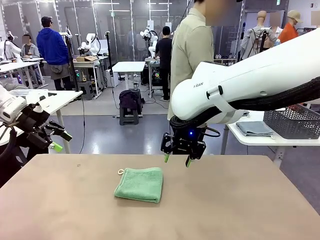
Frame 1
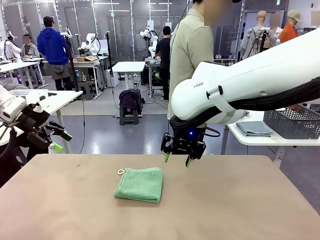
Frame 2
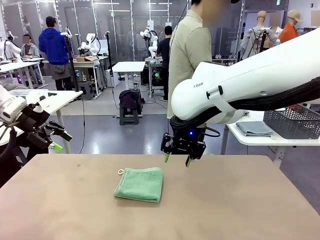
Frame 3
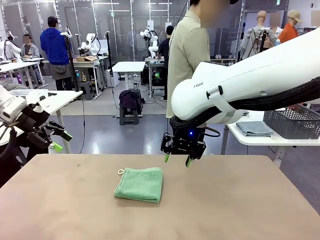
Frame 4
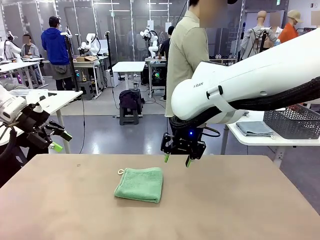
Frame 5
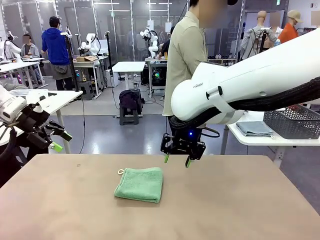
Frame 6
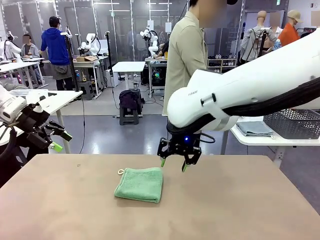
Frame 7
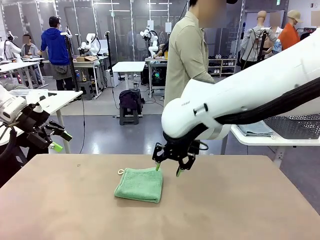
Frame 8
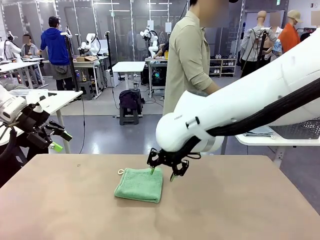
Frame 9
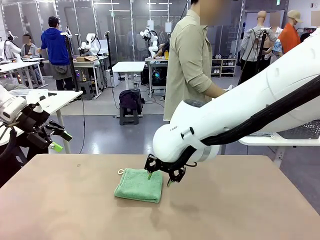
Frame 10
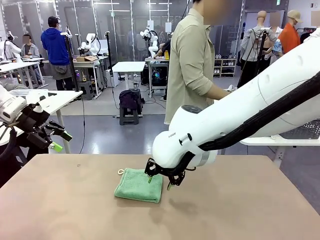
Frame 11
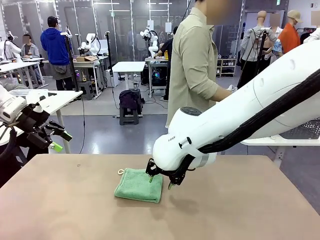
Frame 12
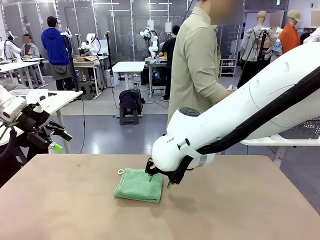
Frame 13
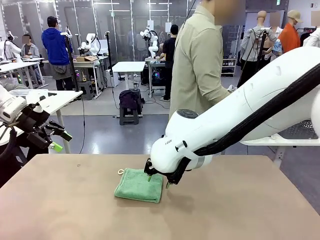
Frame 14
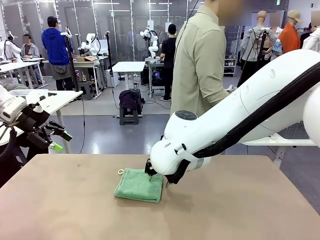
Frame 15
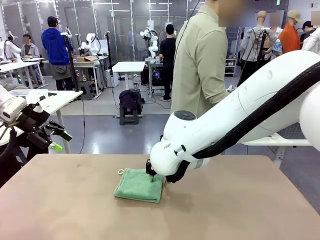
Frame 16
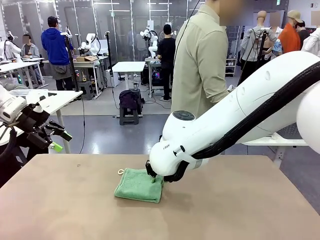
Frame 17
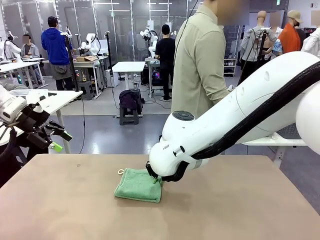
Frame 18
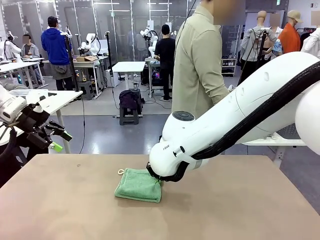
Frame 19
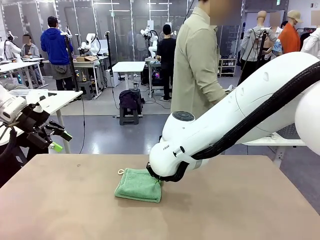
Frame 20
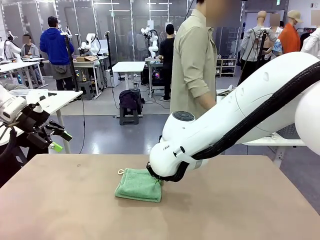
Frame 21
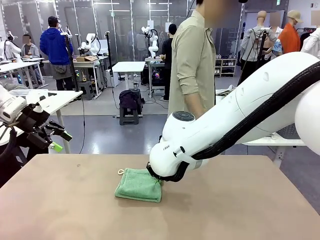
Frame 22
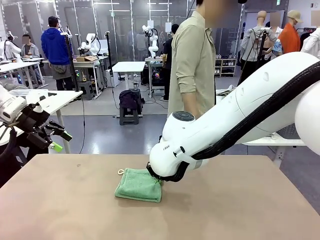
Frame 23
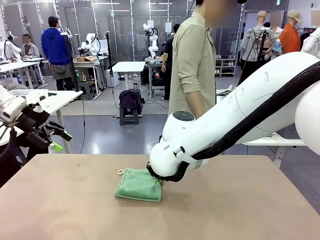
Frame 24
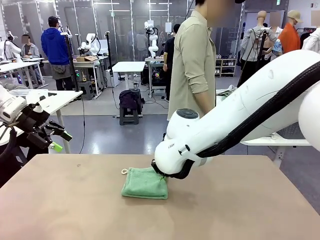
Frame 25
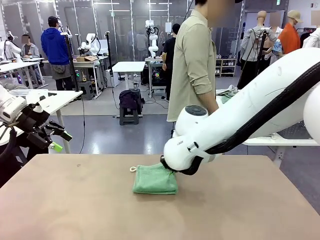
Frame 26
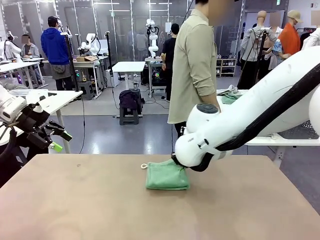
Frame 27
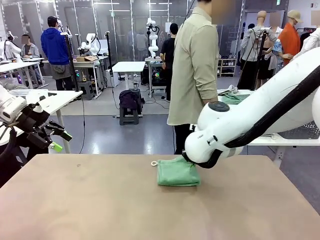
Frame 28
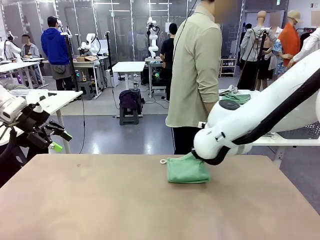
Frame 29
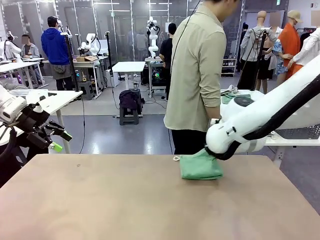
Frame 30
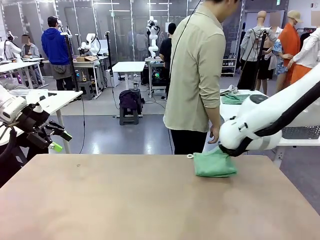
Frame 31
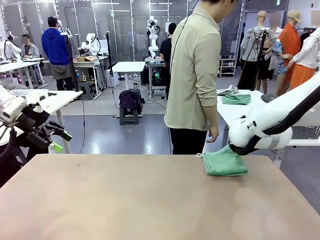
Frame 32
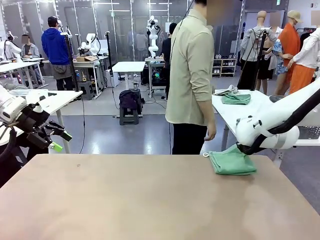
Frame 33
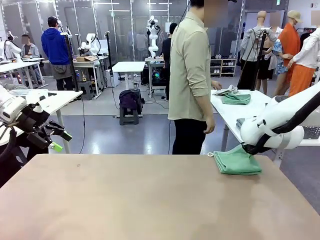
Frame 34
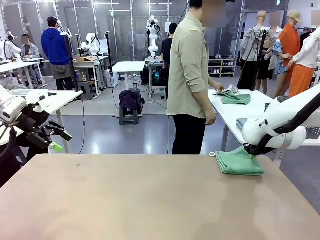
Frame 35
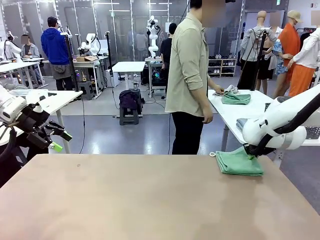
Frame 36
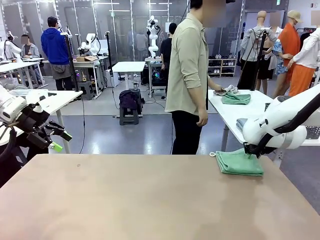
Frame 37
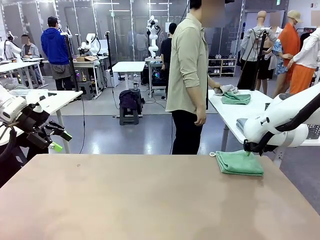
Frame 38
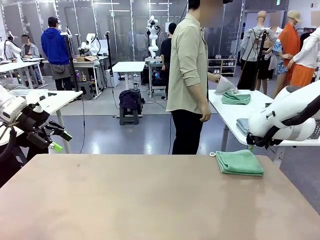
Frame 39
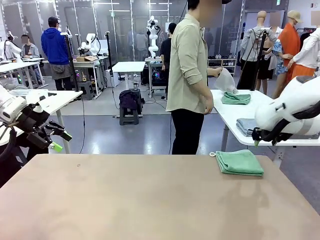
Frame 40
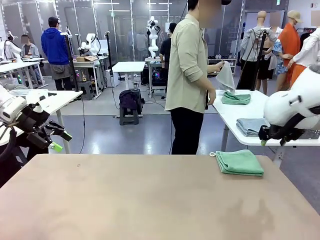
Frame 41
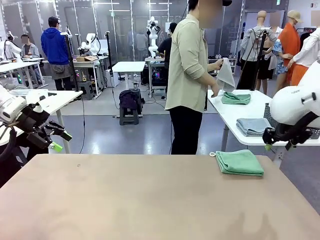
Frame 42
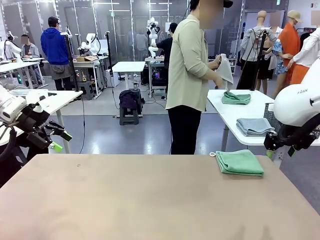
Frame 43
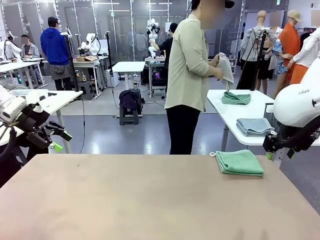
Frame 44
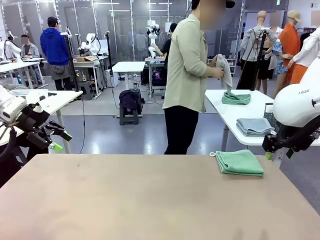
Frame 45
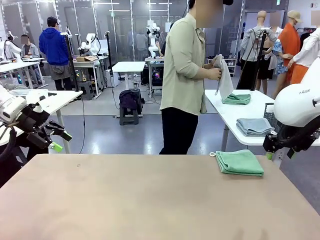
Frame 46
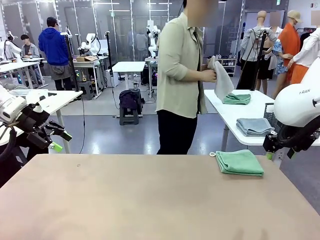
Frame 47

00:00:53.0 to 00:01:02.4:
Task: Fold the towels and place them in the basket.
Robot: Place the folded Towel with hook on the right side of the table.
Person: Pick up one towel from the left side of the human table and spread it out at the center of the robot table.

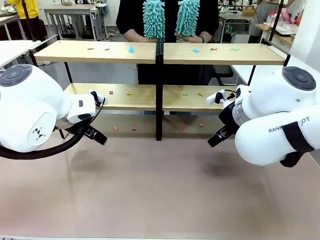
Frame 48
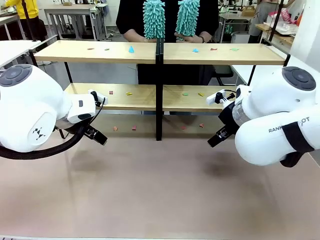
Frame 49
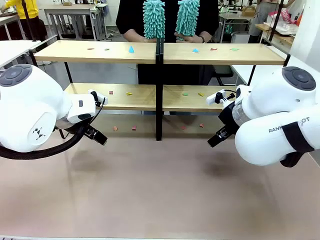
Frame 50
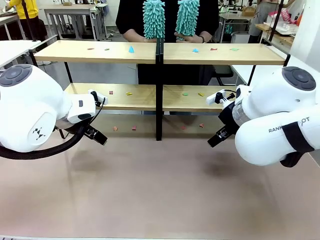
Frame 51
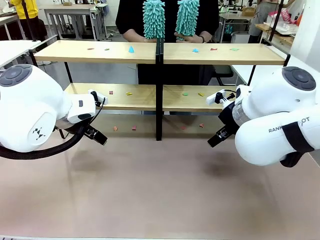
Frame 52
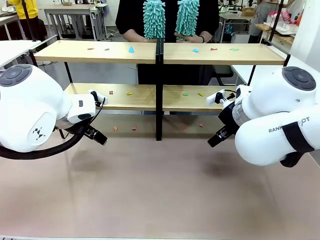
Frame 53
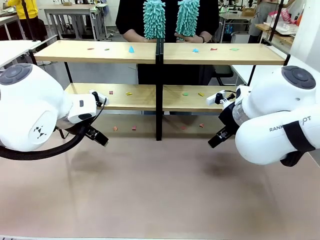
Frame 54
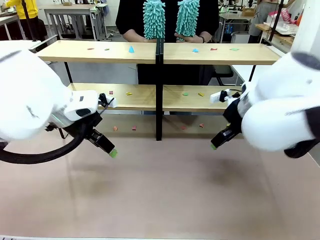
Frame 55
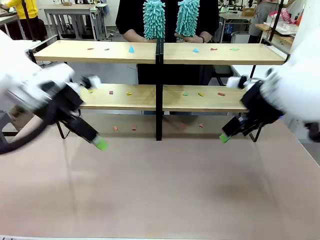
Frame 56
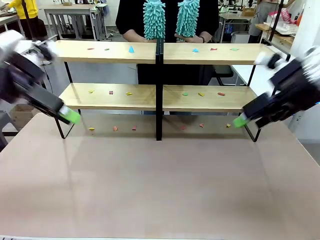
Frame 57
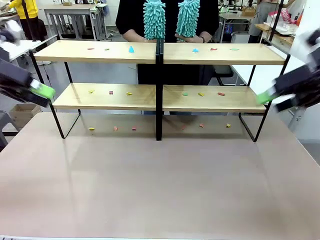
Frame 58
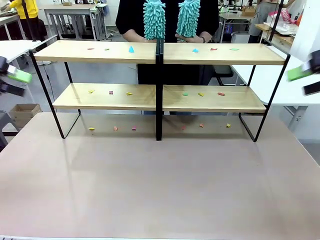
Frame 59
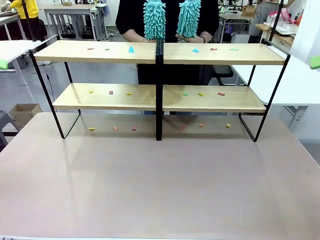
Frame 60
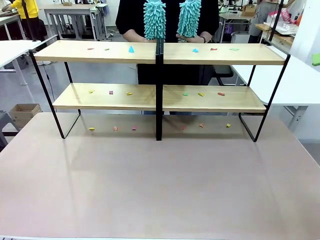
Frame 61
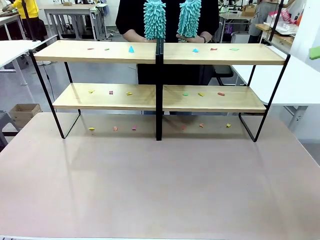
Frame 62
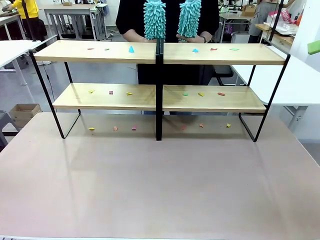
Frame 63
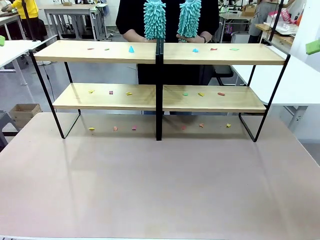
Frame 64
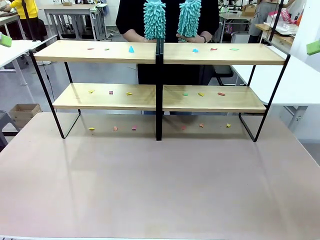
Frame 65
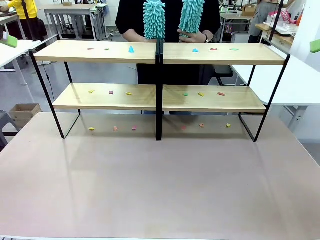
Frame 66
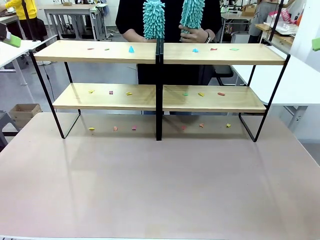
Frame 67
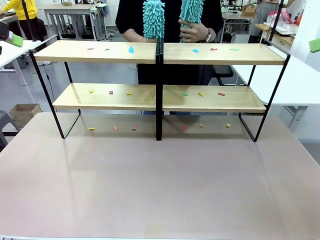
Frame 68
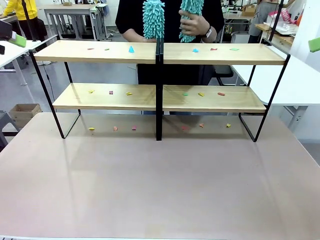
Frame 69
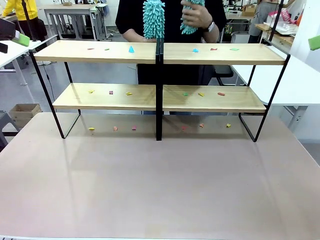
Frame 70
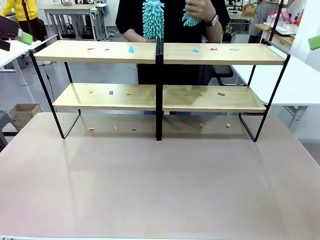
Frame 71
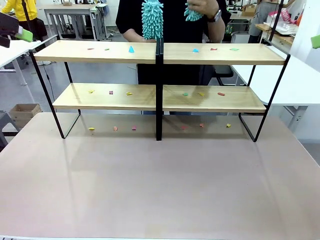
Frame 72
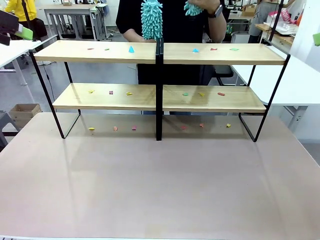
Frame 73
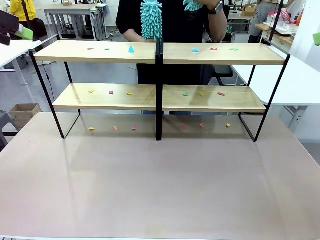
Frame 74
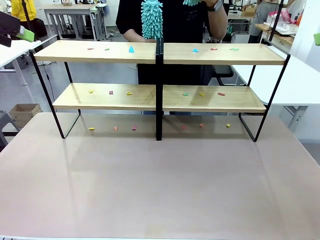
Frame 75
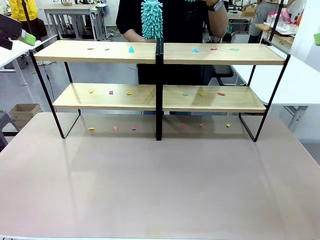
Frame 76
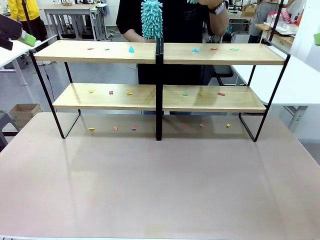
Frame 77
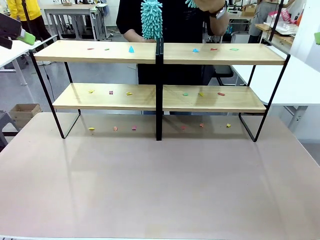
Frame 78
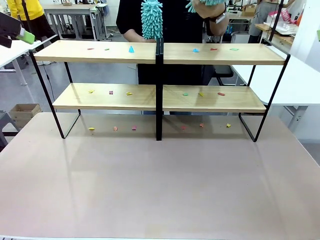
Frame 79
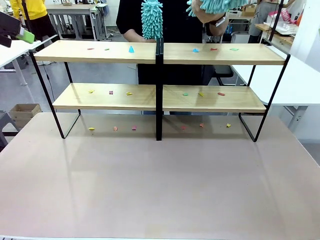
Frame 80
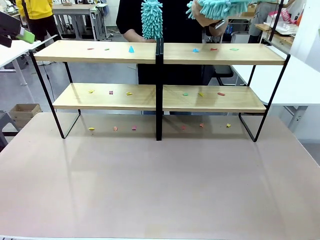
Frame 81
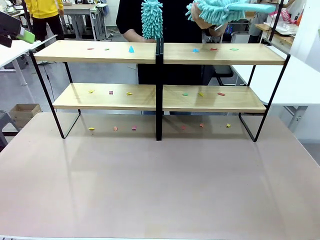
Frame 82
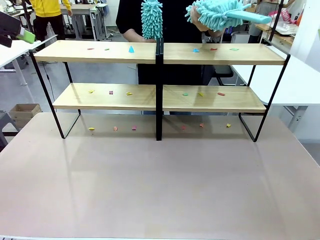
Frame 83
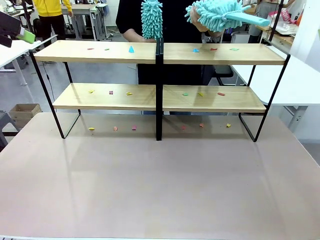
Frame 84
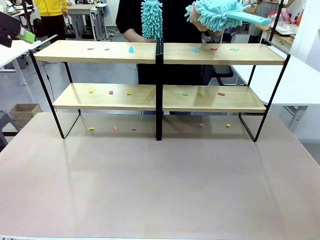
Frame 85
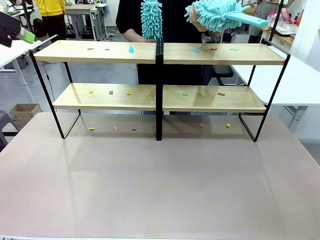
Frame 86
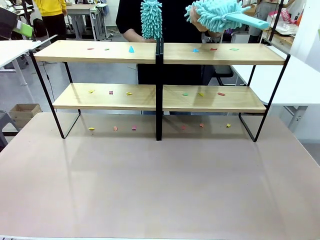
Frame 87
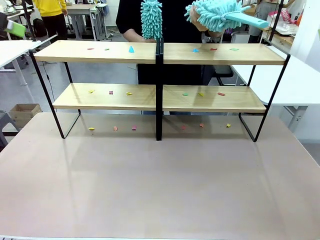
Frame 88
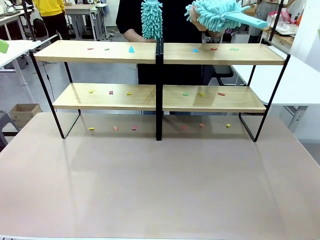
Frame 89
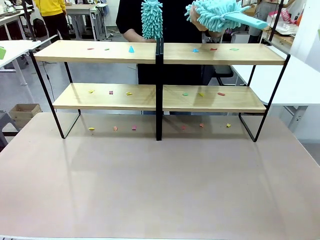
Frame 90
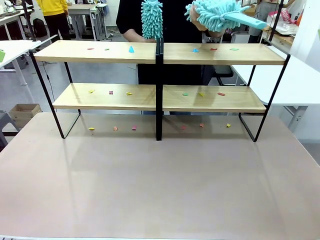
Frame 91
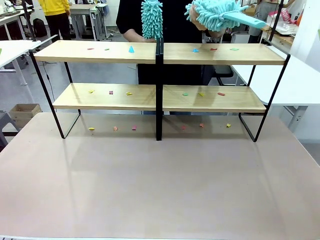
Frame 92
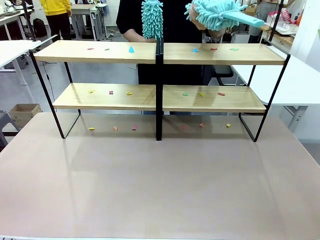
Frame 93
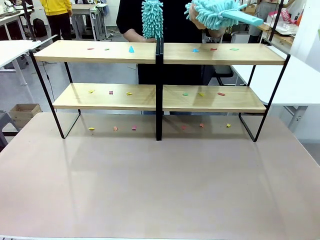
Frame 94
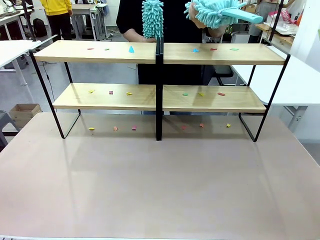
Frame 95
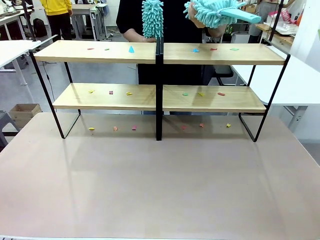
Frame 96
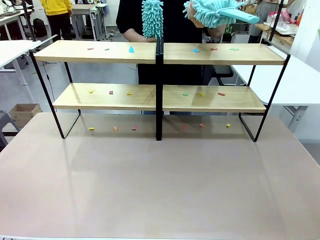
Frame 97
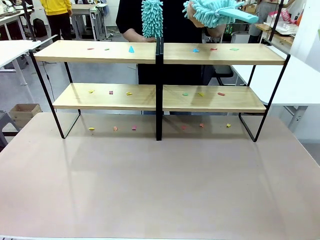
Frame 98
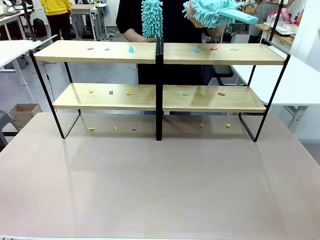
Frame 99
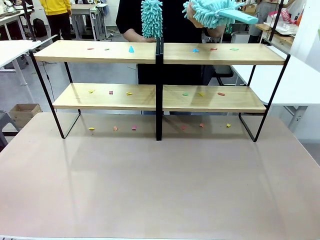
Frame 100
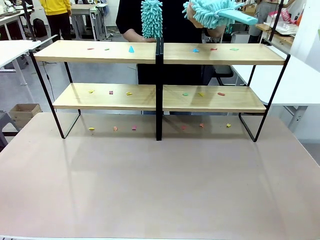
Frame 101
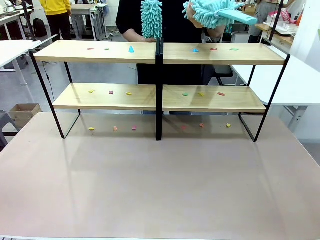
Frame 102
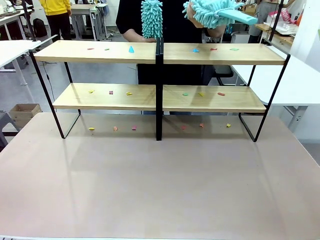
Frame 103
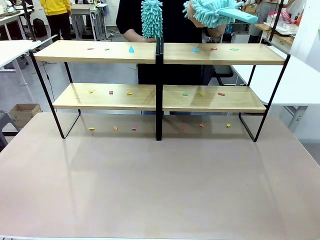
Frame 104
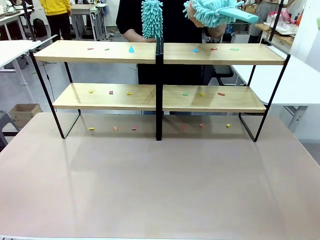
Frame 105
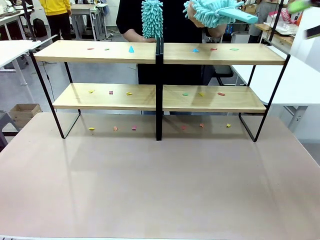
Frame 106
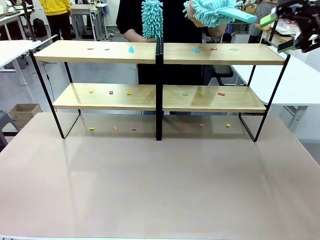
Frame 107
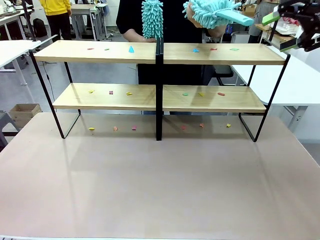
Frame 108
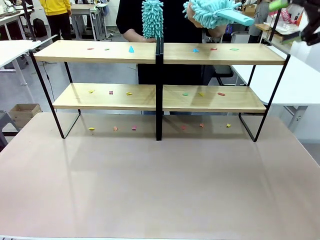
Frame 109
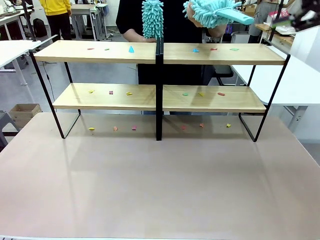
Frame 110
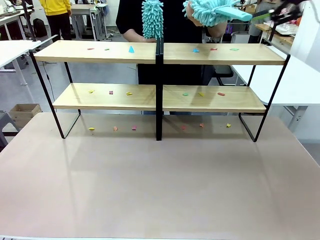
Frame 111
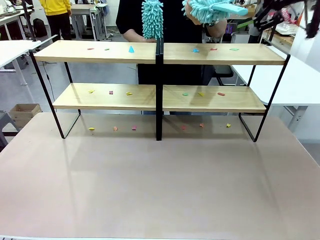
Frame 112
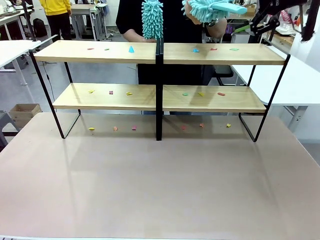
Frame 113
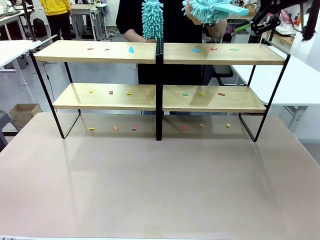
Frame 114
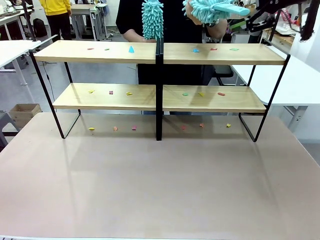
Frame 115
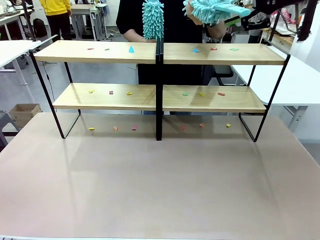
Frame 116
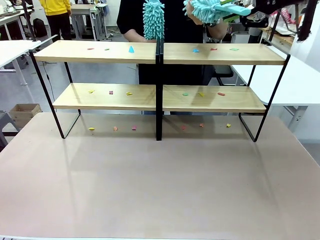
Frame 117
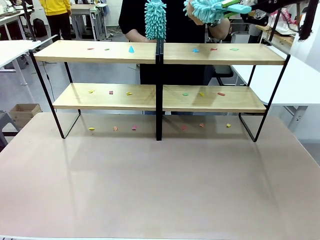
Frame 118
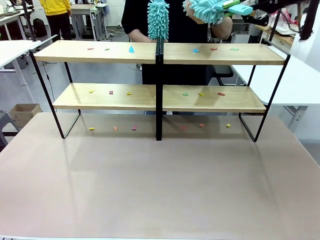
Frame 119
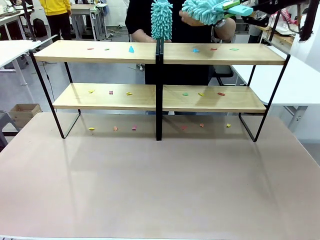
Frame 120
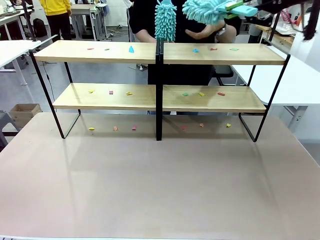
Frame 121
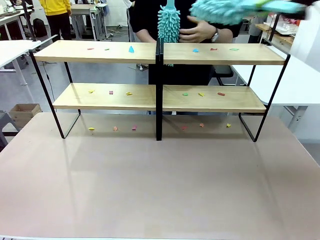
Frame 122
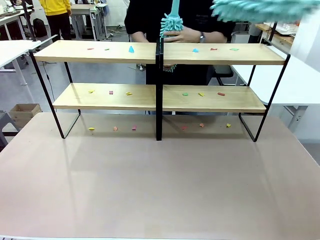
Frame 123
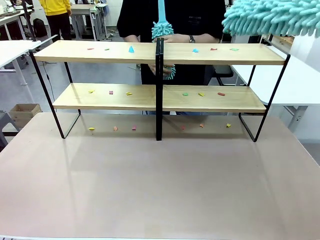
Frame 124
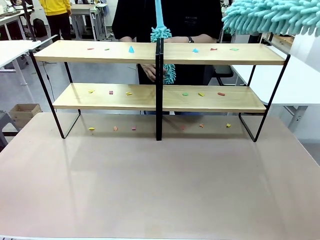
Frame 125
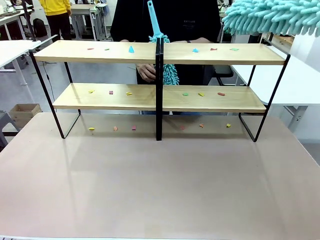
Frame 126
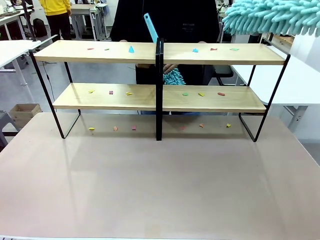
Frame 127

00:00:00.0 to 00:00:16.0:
Task: Clean the shelves.
Robot: Pick up the Duster when the human hands it over.
Person: Hand the Duster to the robot with your right (or left) hand.
